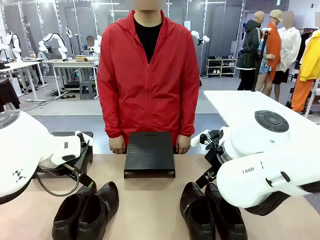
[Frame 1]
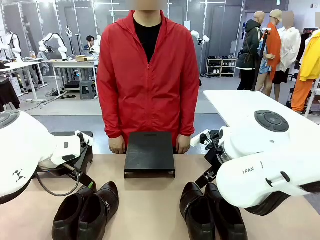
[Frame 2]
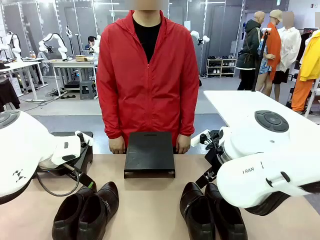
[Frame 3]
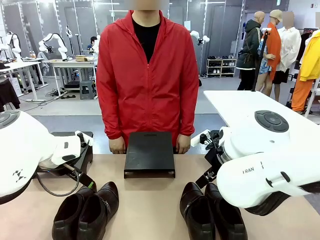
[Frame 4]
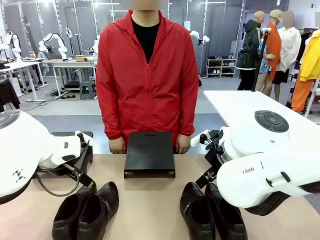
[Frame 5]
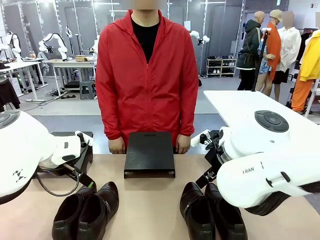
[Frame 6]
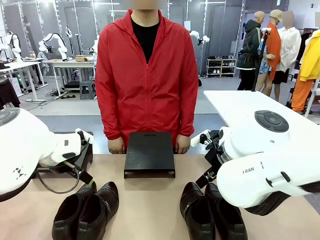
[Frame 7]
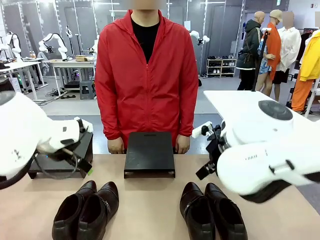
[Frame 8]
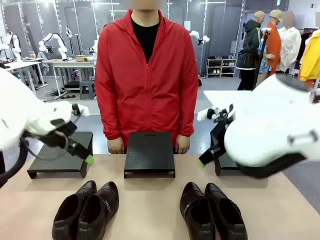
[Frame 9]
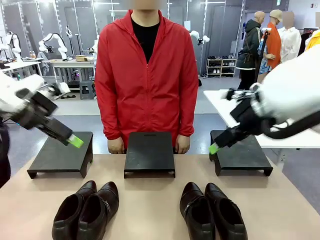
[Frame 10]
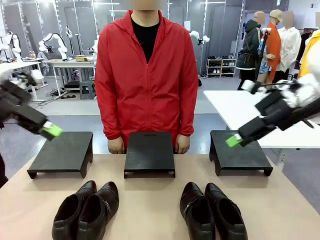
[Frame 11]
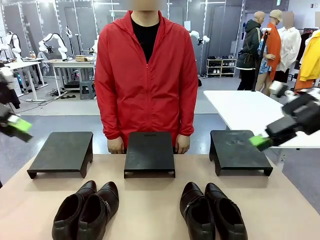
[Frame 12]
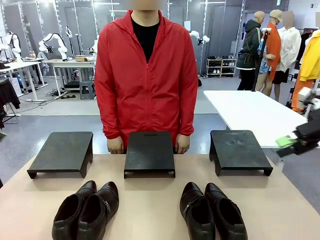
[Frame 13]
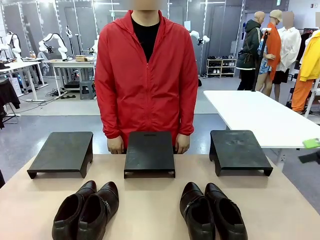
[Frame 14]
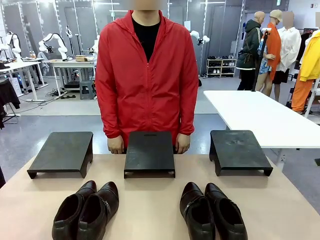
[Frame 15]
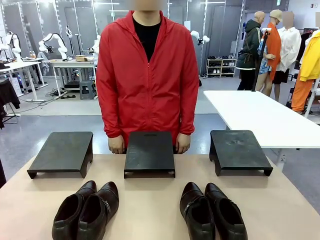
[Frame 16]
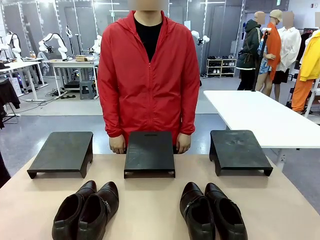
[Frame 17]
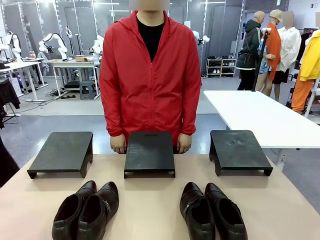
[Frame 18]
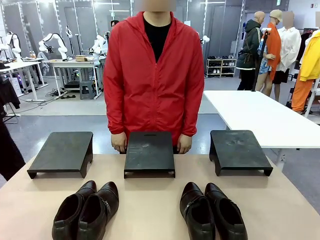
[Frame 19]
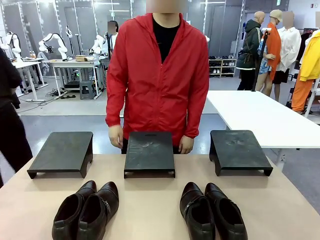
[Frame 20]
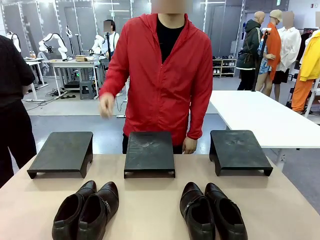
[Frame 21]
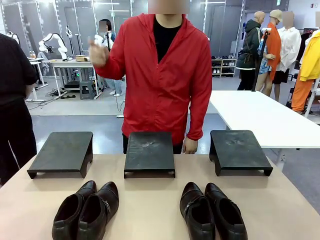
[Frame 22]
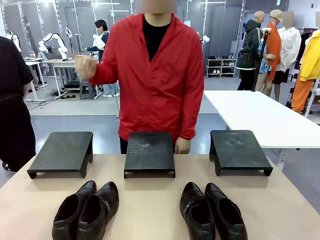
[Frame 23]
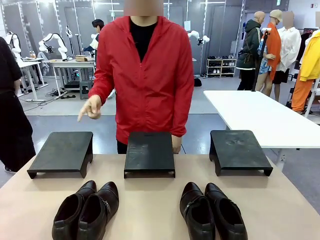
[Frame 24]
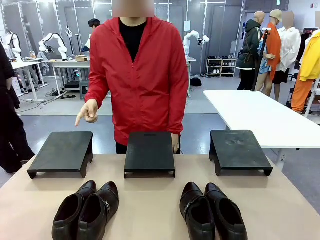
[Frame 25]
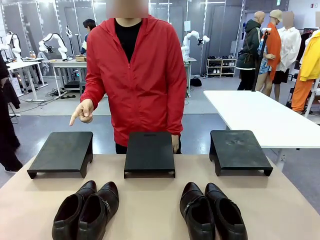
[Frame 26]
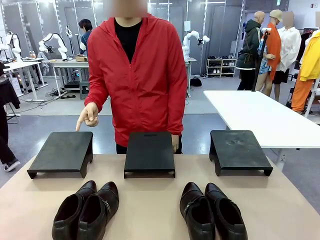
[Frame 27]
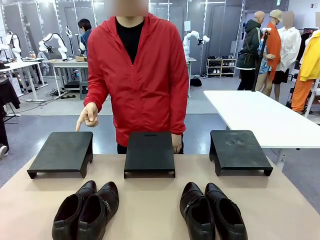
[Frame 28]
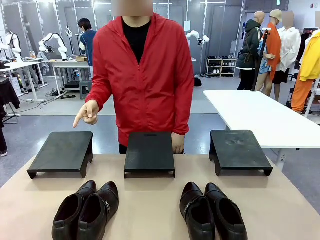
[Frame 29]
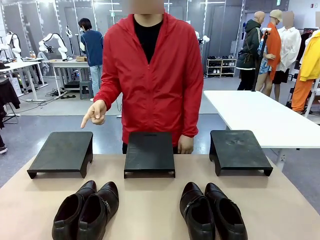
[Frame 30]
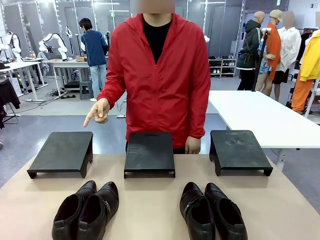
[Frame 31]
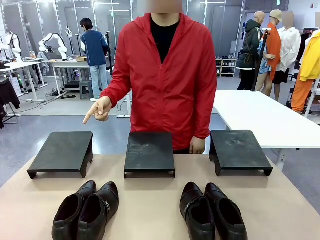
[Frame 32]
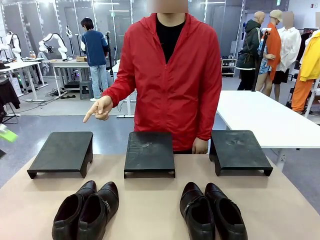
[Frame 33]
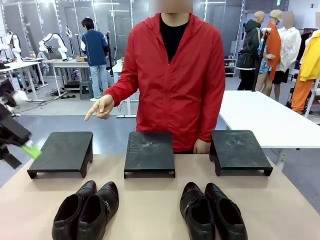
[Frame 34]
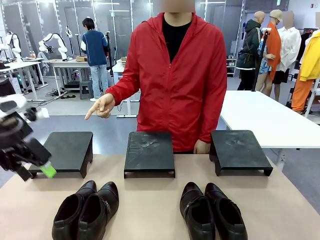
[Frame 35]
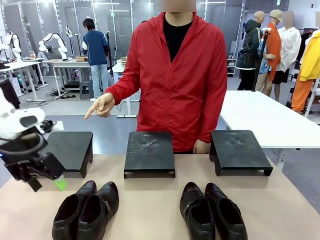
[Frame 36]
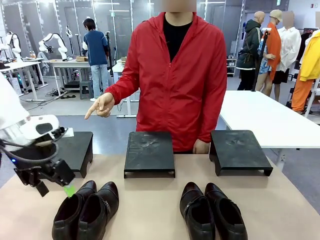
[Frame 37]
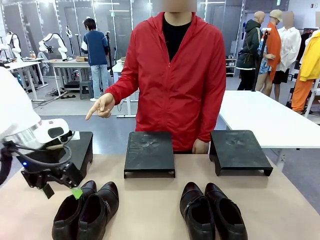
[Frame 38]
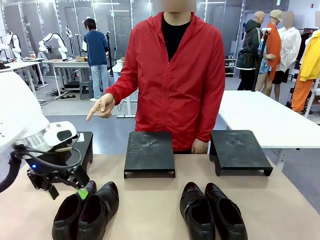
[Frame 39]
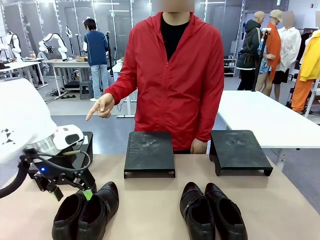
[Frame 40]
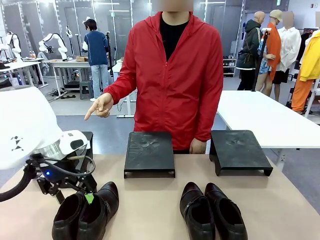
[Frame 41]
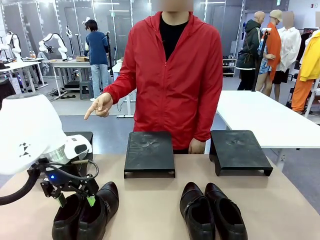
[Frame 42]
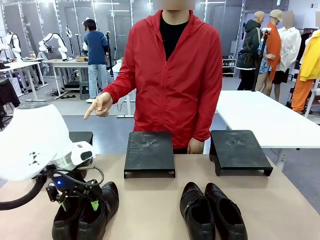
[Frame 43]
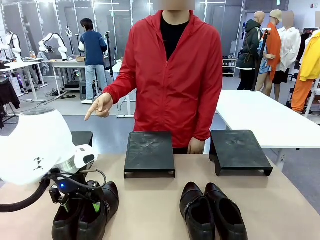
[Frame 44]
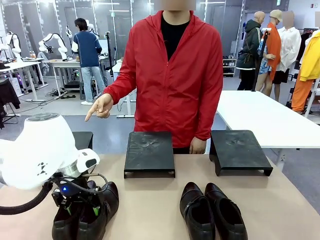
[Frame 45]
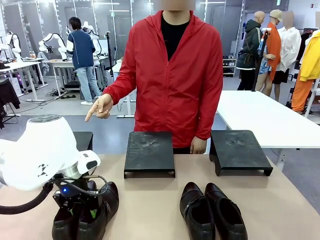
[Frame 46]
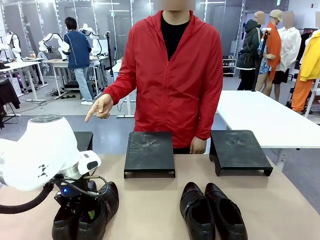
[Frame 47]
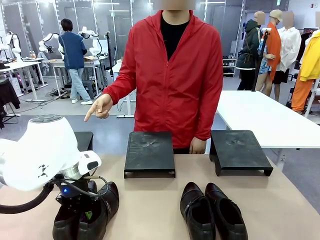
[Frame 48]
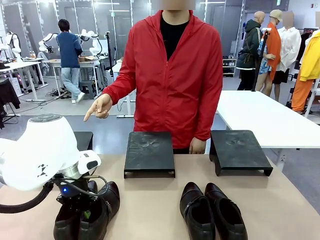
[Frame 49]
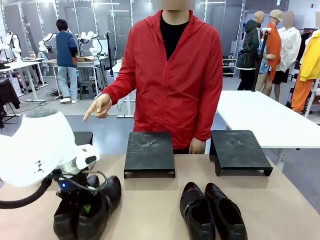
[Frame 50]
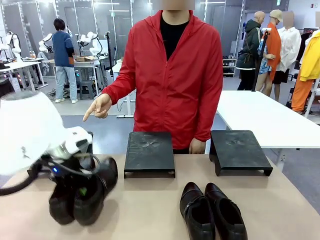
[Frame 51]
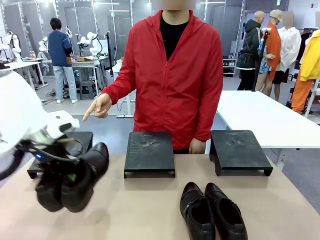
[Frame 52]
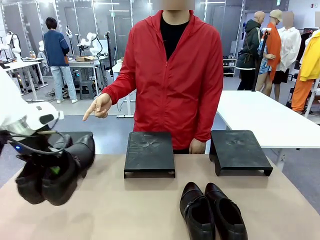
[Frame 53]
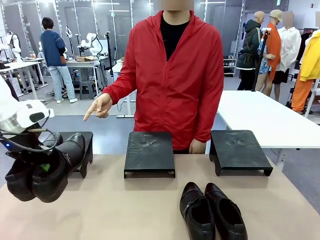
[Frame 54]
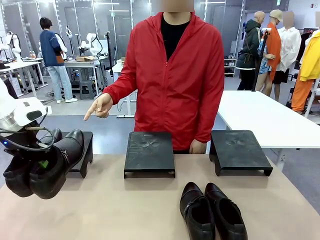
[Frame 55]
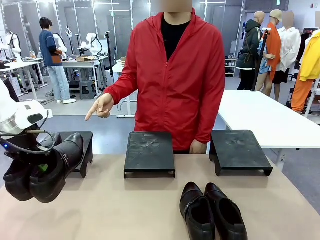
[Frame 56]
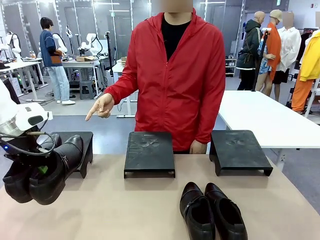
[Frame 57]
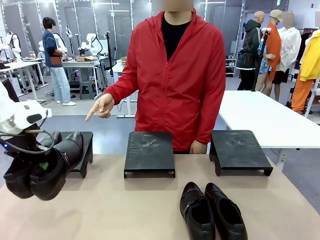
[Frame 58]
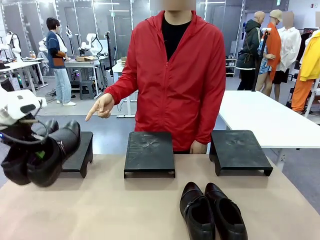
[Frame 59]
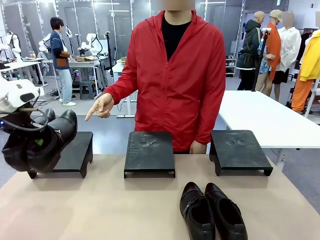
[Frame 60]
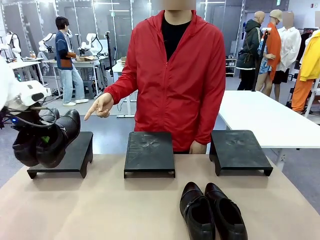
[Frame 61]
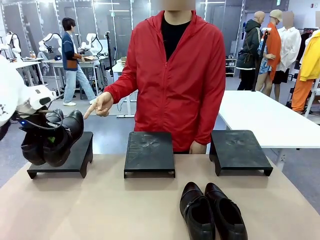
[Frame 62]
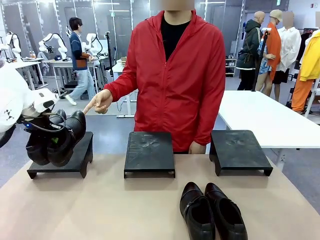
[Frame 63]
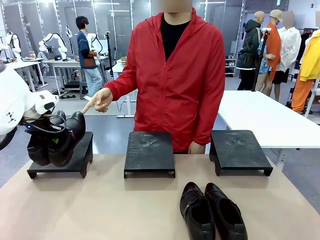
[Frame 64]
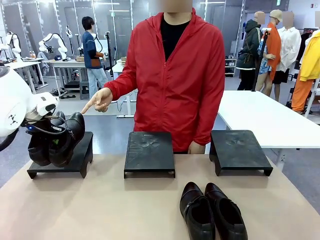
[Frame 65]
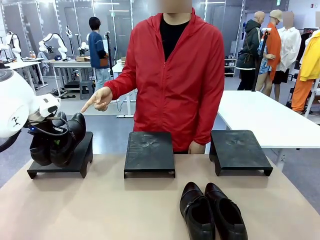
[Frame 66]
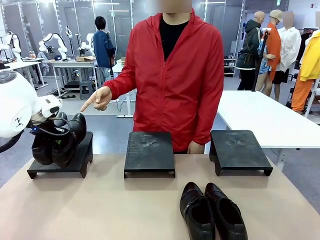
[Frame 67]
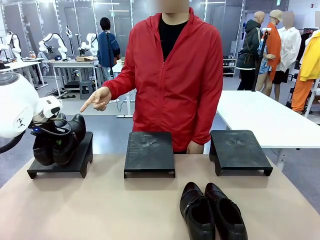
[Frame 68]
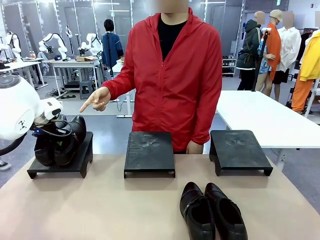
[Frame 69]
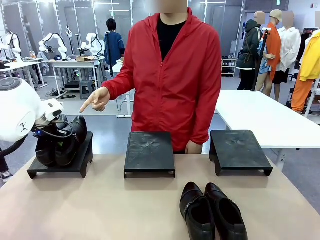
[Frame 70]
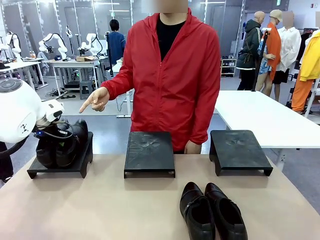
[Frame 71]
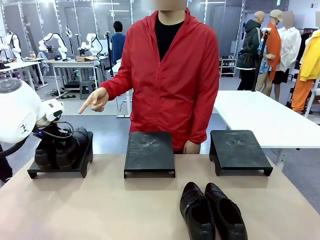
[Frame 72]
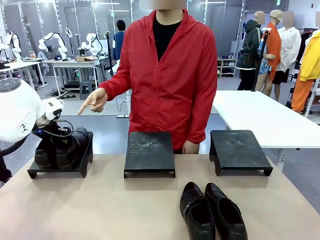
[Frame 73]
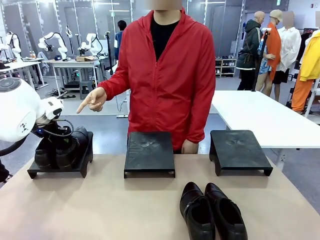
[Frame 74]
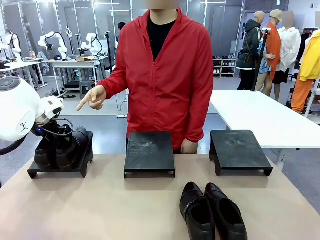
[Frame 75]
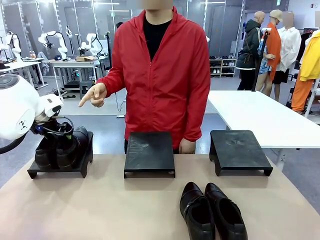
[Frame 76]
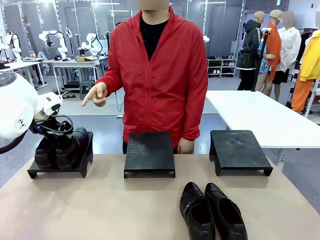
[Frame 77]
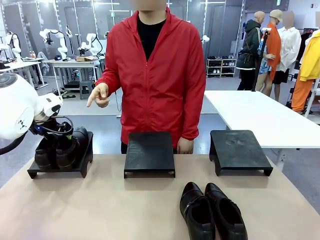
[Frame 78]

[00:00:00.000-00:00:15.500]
Task: Place the shoes on the stand as instructed by the person.
Robot: Pick up one pair of Shoes and place it on the Shoes Stand indicated by the person.
